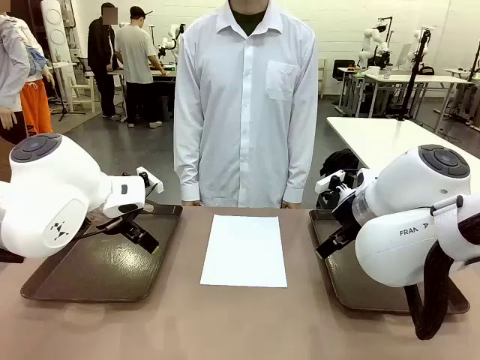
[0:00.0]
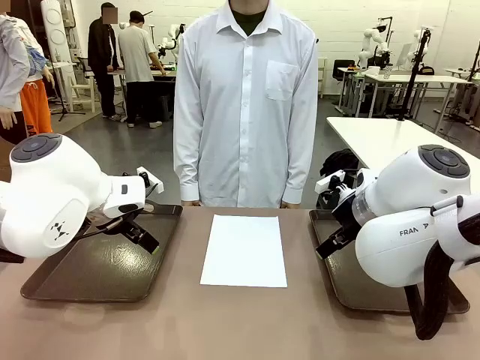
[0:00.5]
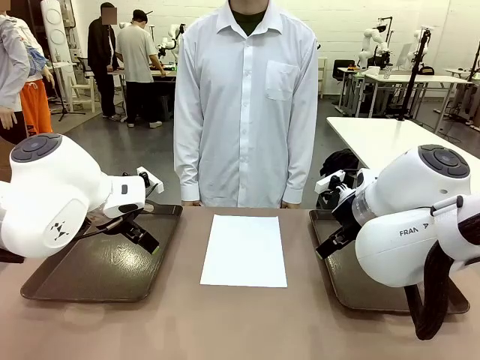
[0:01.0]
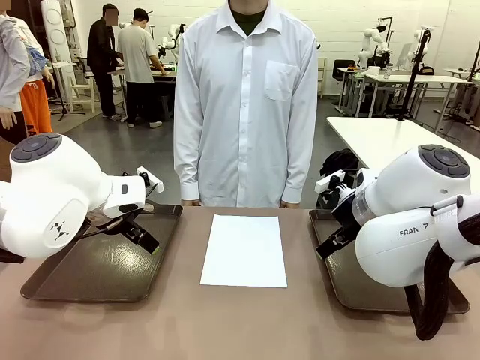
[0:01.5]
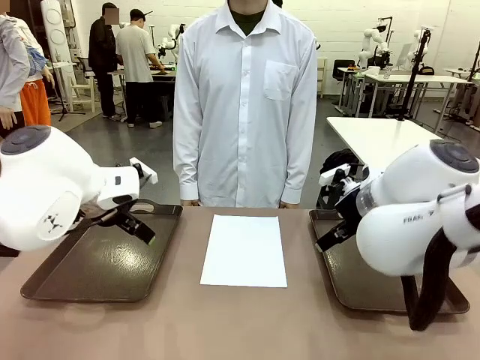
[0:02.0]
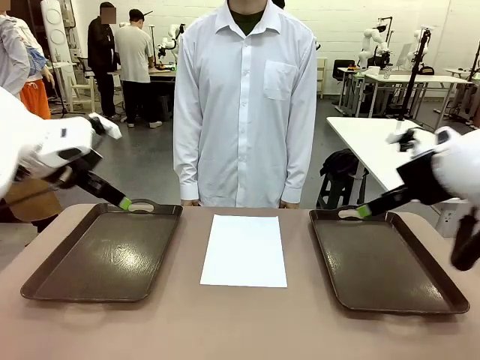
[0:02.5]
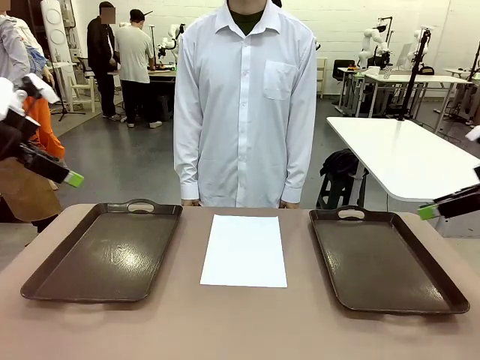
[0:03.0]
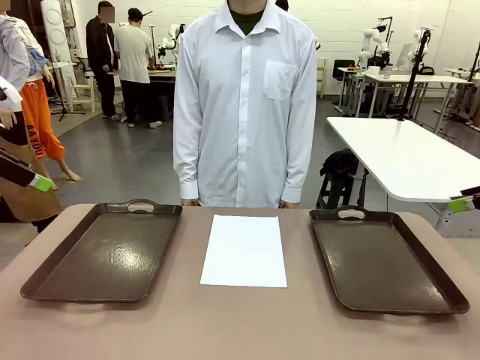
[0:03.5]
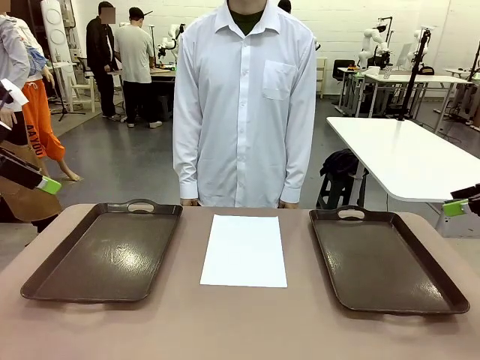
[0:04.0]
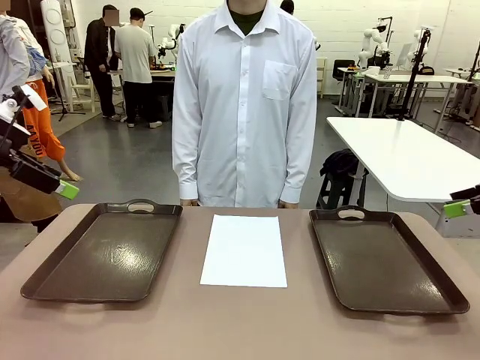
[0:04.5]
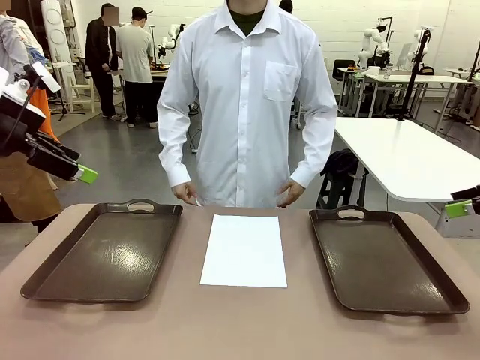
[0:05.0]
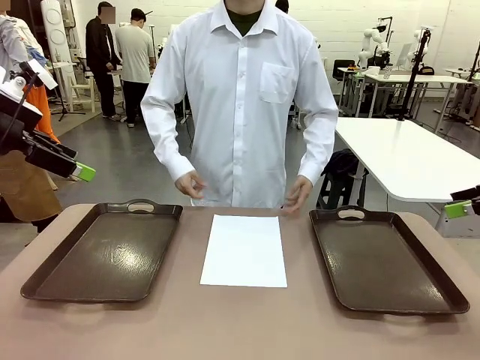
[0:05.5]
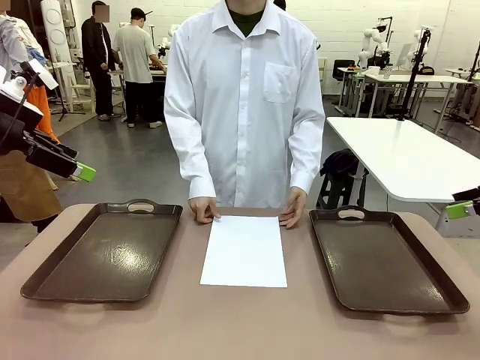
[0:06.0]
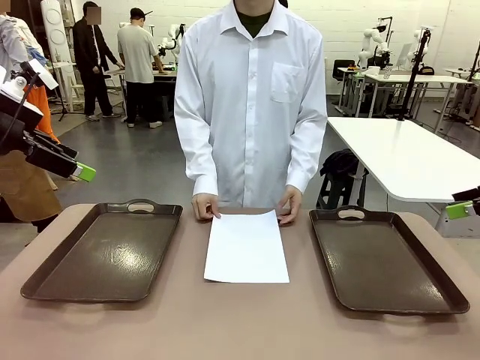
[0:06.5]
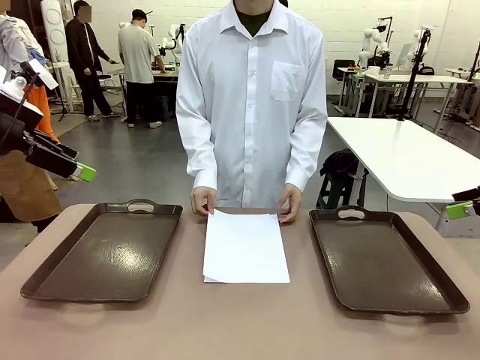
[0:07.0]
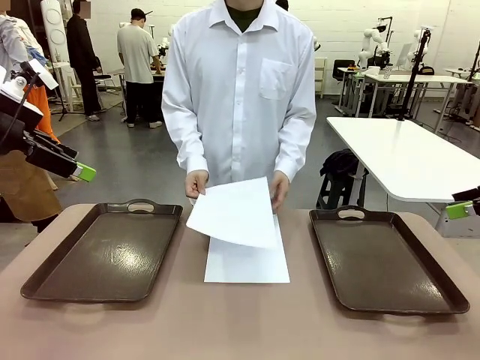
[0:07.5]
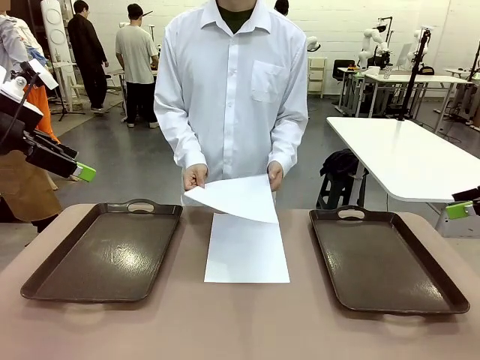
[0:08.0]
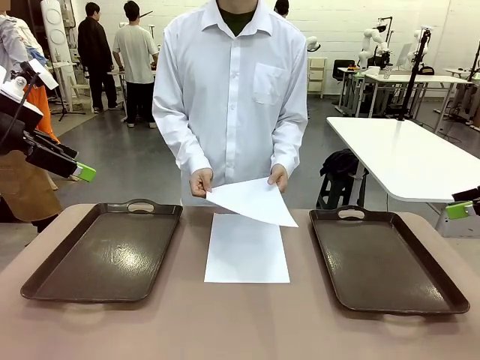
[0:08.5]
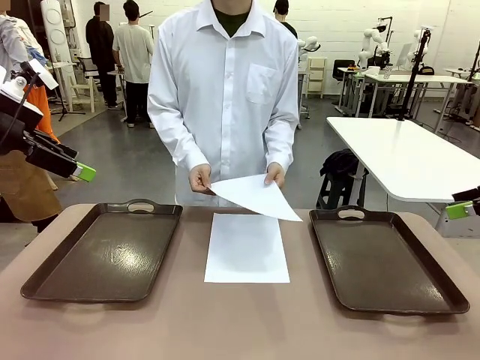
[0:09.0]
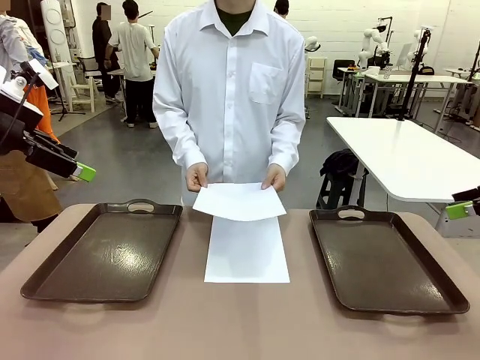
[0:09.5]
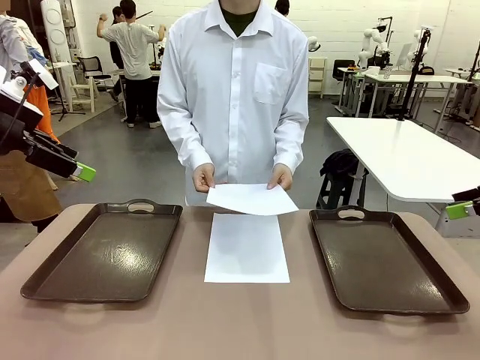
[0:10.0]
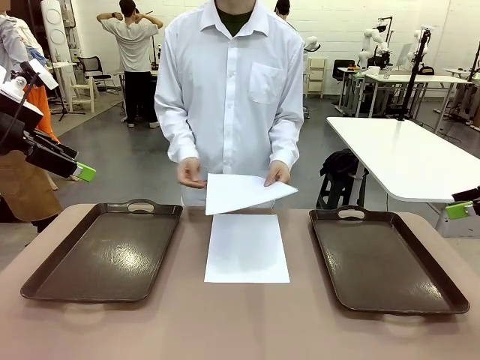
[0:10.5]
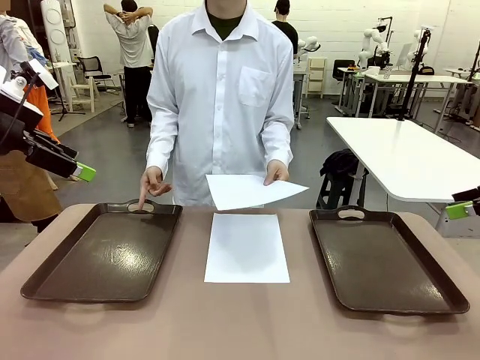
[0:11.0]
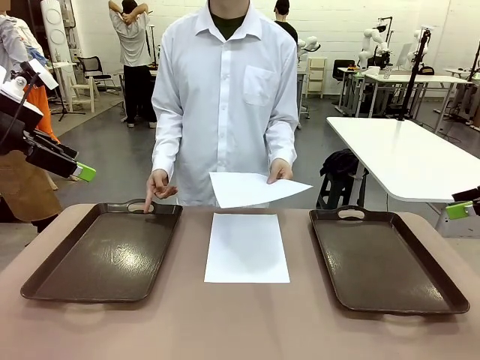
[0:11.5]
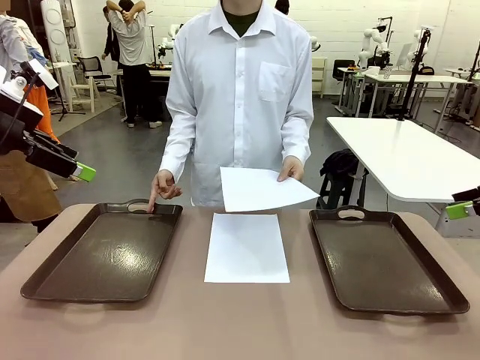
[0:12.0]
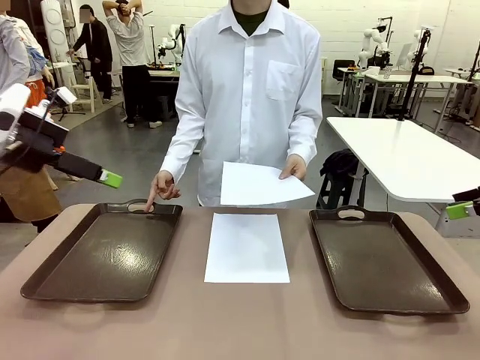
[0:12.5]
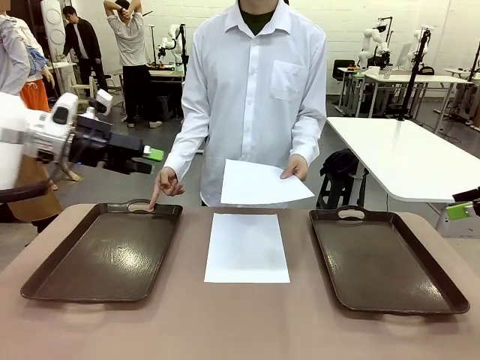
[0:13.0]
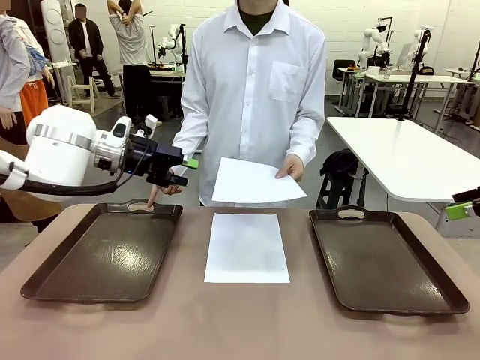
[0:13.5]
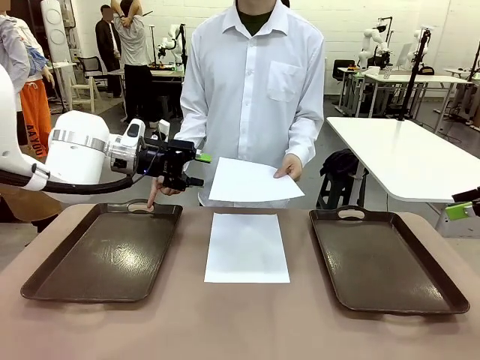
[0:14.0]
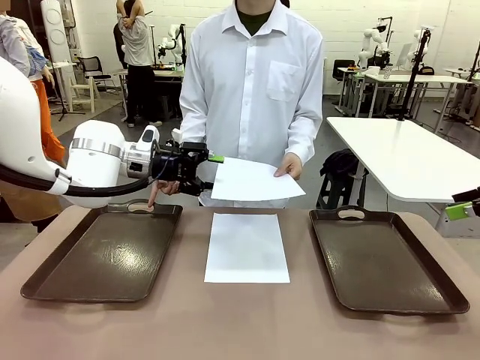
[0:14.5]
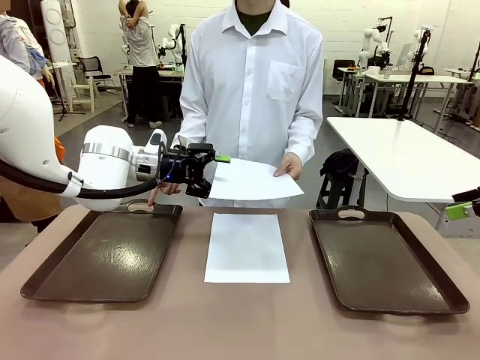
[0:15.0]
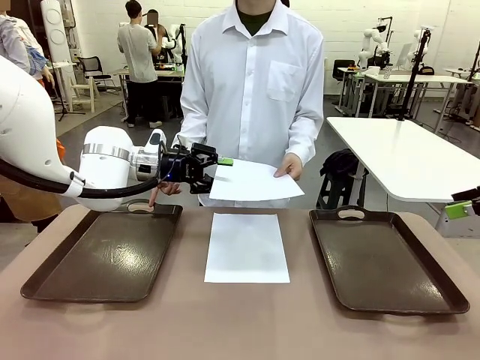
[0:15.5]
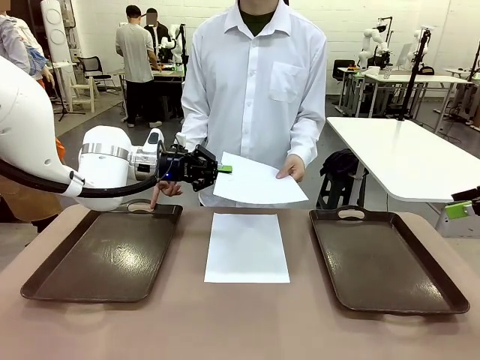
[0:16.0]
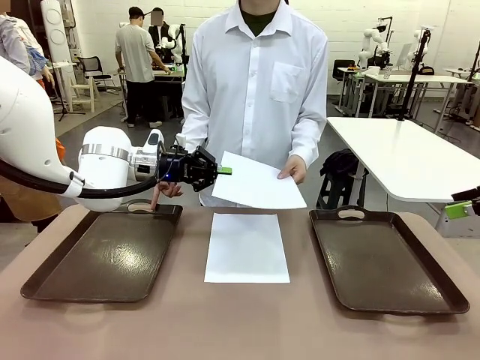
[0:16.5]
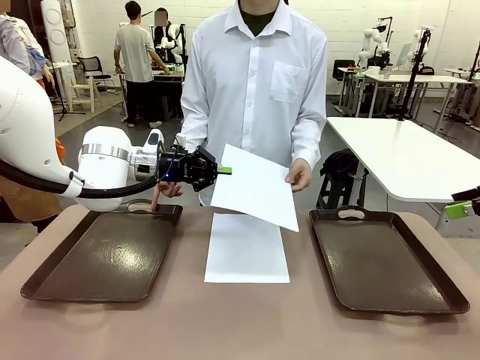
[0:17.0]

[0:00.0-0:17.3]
Task: Sort the A4 documents.
Robot: Receive the A4 Paper.
Person: Pick up a sheet of paper from the center of the table and hand it to the robot. Point the randomly selected tray with the other hand.

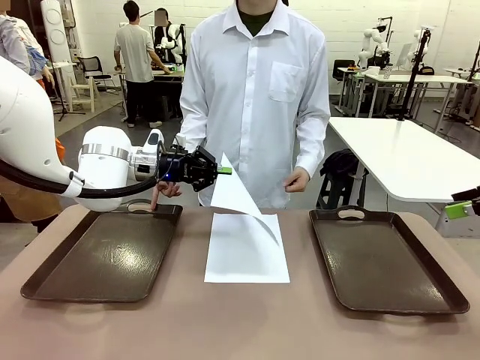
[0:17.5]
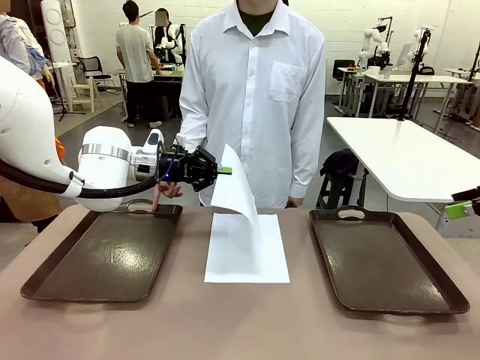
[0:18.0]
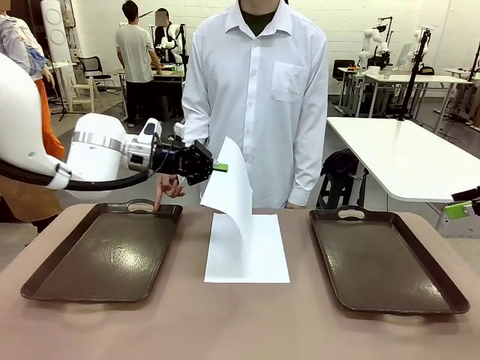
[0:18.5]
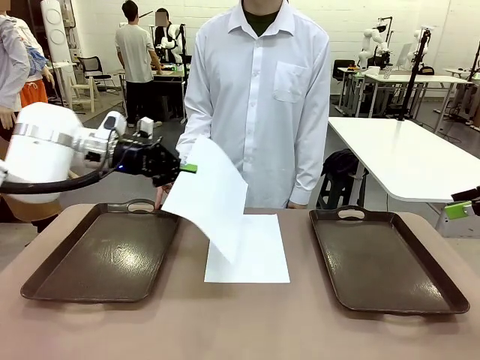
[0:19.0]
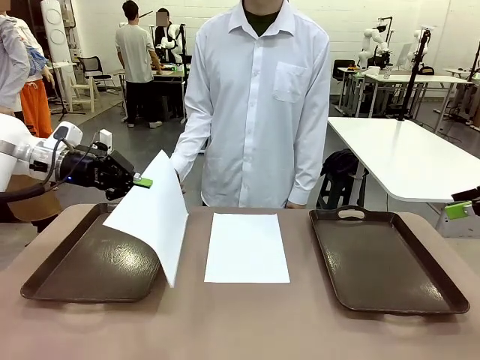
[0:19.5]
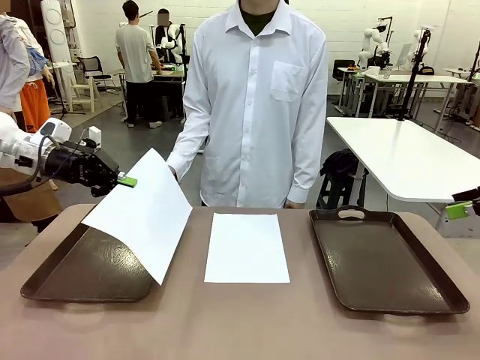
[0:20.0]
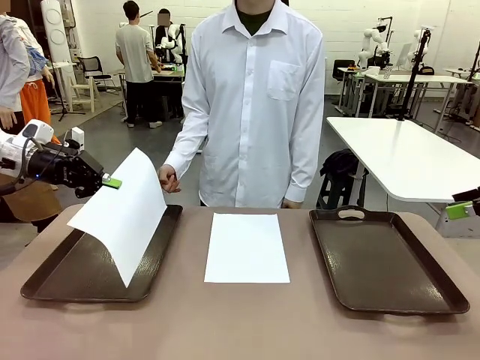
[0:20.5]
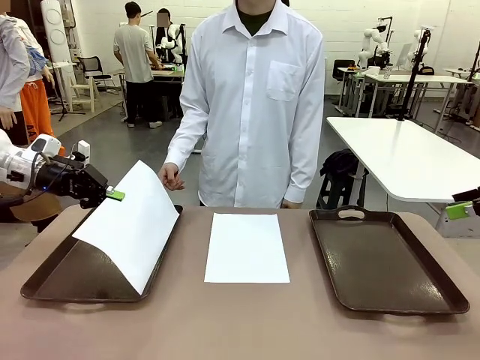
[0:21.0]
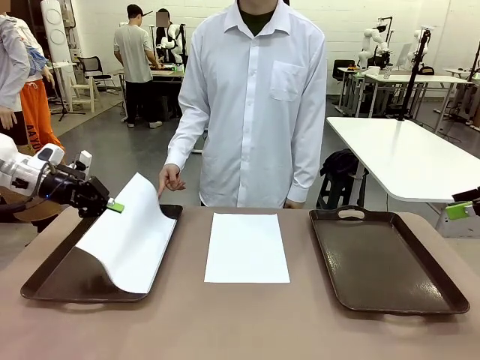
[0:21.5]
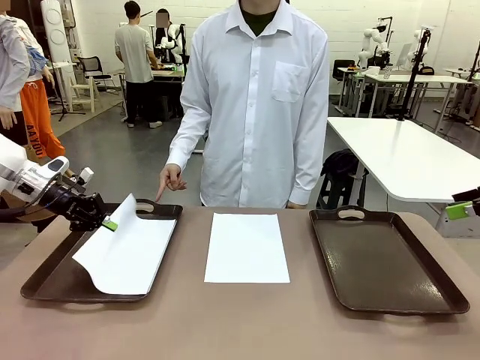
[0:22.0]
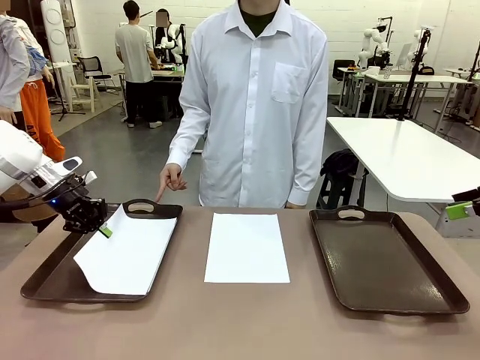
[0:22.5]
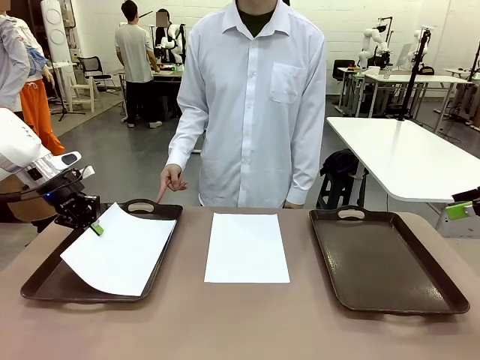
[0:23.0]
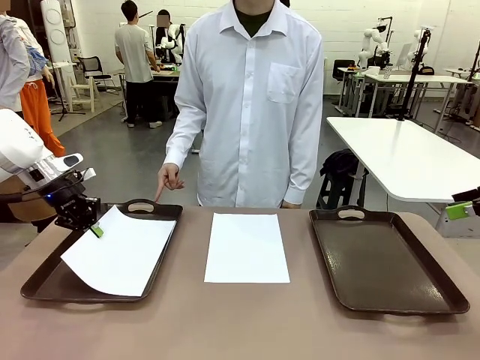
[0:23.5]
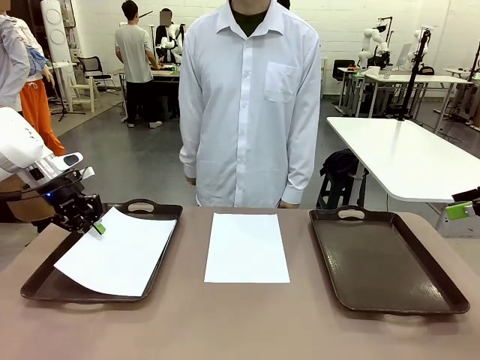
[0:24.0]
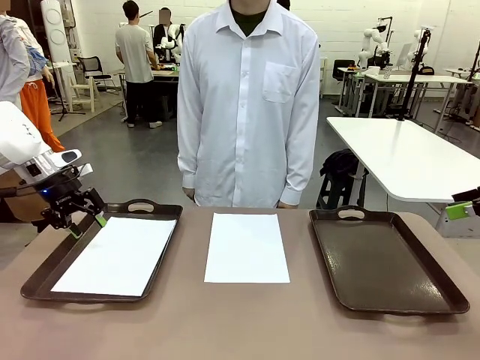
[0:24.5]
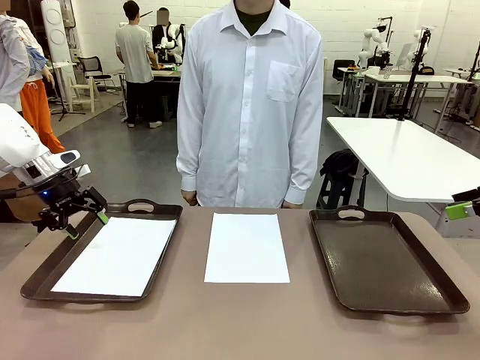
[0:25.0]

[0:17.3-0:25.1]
Robot: Place the A4 Paper in the designated Handle tray.
